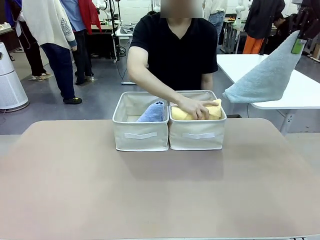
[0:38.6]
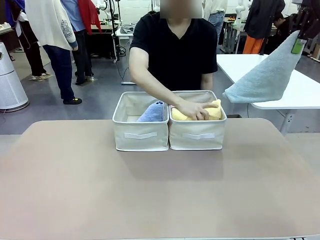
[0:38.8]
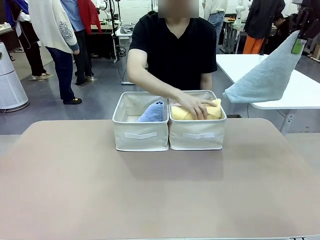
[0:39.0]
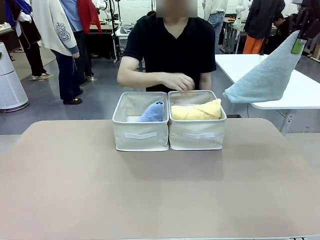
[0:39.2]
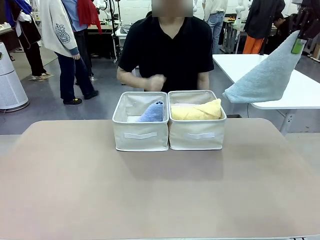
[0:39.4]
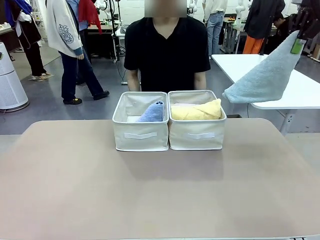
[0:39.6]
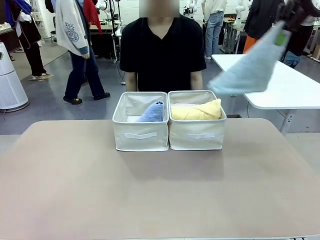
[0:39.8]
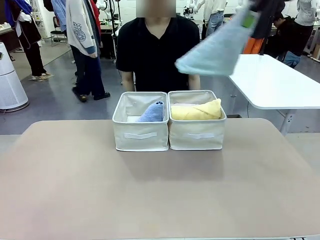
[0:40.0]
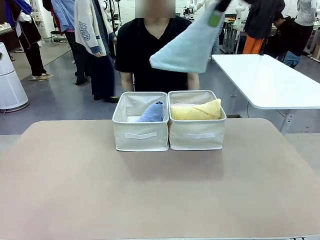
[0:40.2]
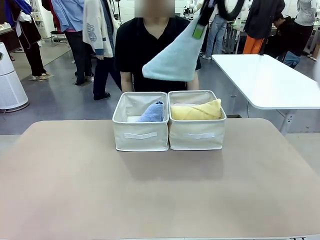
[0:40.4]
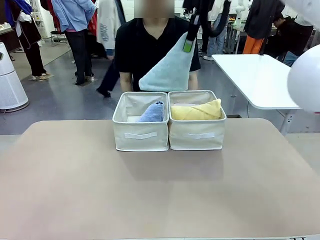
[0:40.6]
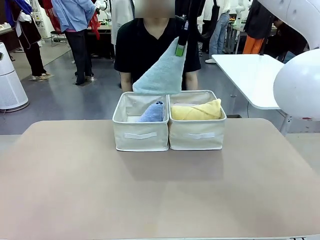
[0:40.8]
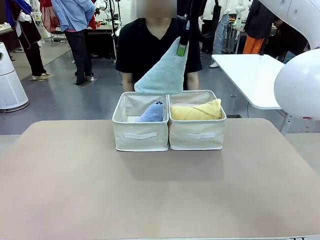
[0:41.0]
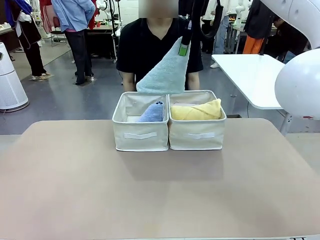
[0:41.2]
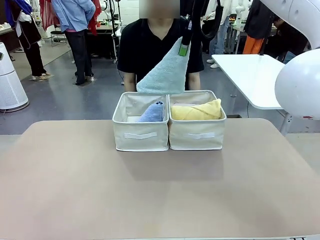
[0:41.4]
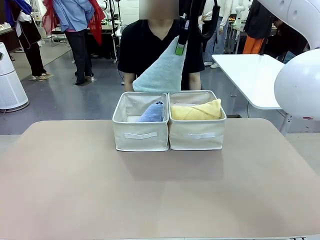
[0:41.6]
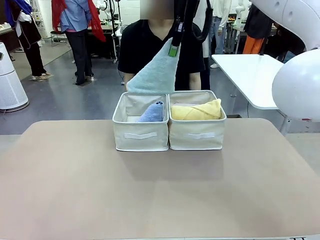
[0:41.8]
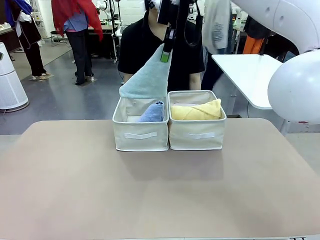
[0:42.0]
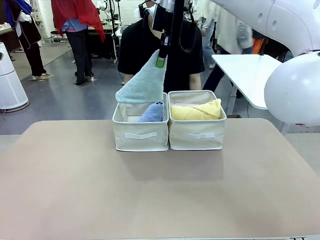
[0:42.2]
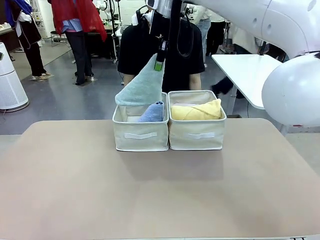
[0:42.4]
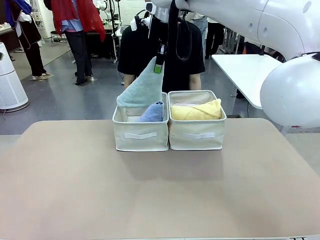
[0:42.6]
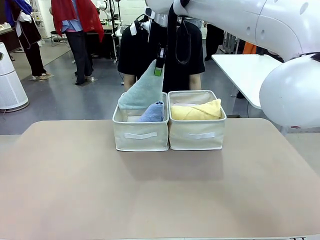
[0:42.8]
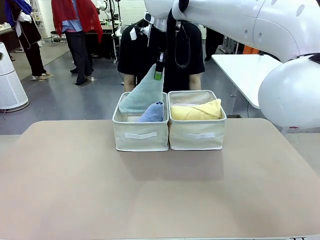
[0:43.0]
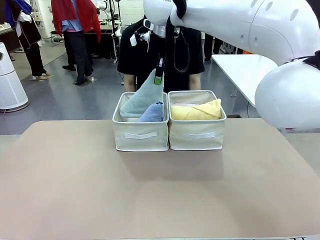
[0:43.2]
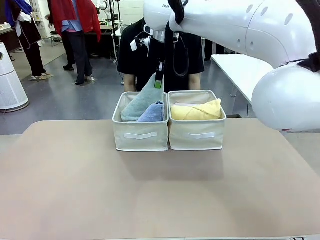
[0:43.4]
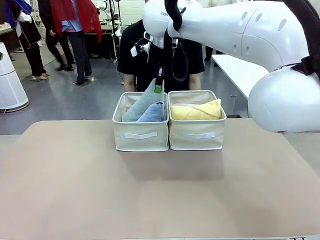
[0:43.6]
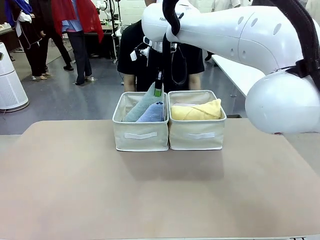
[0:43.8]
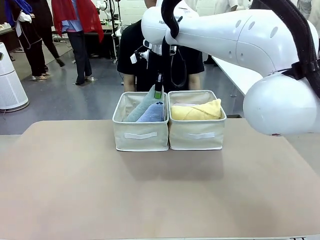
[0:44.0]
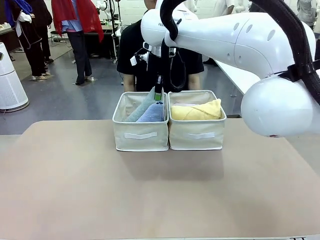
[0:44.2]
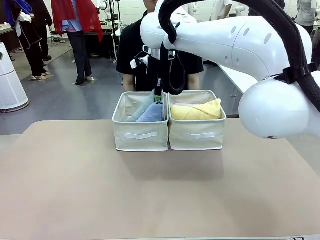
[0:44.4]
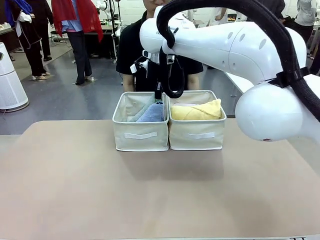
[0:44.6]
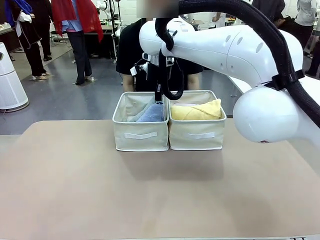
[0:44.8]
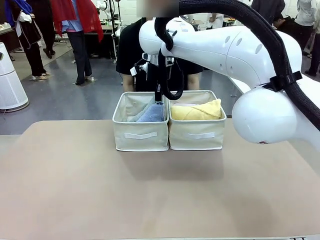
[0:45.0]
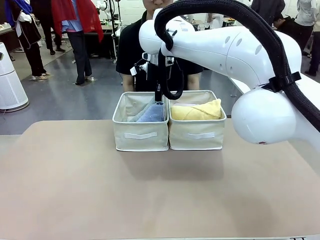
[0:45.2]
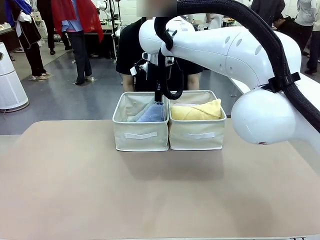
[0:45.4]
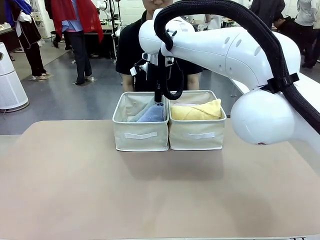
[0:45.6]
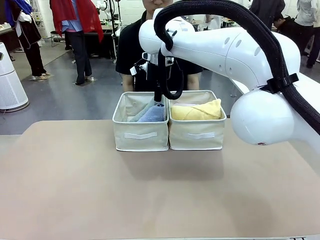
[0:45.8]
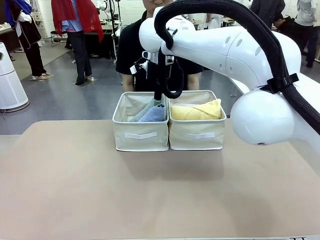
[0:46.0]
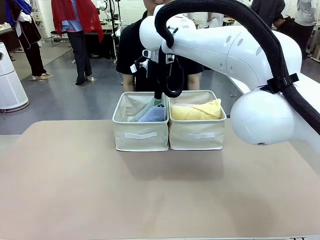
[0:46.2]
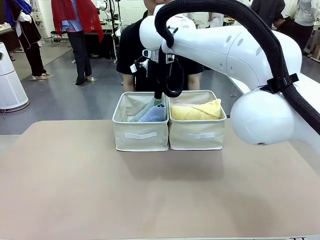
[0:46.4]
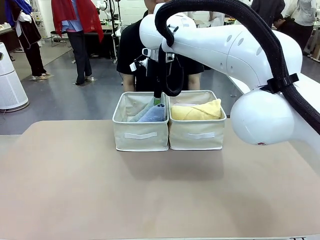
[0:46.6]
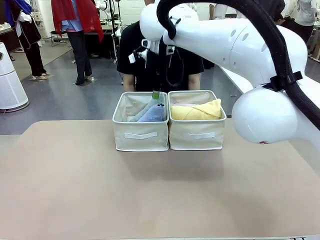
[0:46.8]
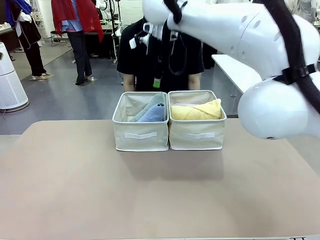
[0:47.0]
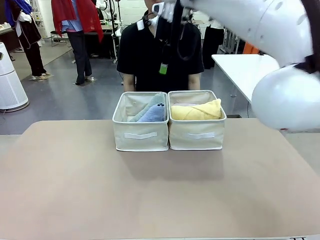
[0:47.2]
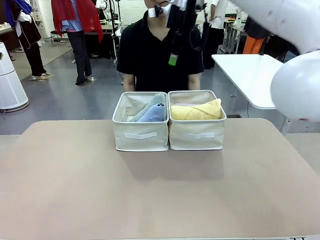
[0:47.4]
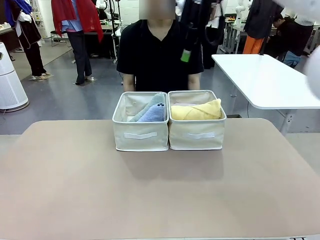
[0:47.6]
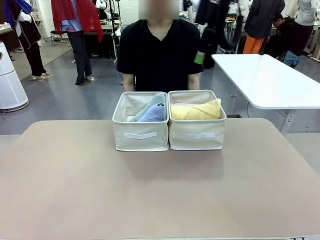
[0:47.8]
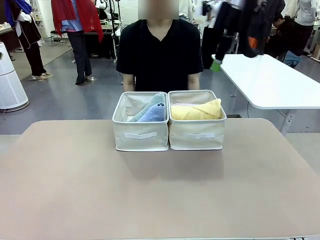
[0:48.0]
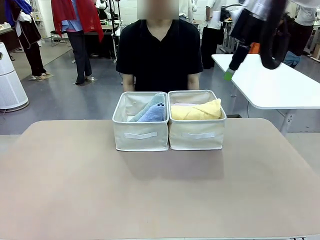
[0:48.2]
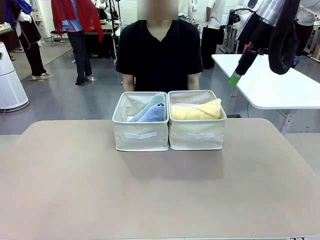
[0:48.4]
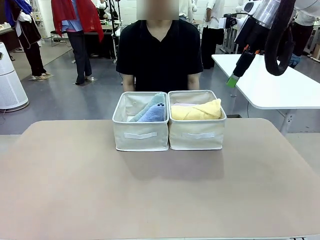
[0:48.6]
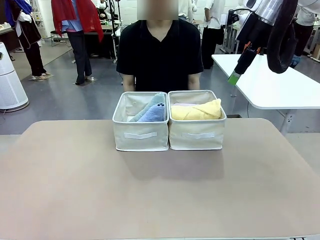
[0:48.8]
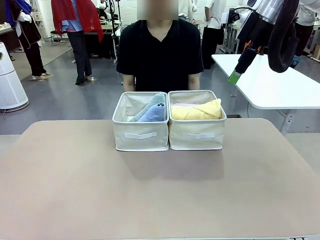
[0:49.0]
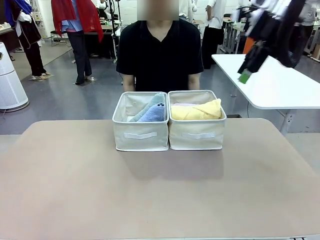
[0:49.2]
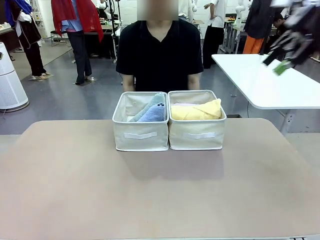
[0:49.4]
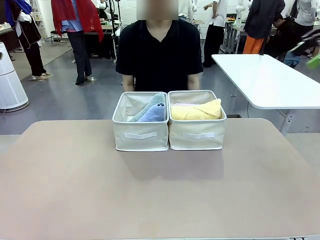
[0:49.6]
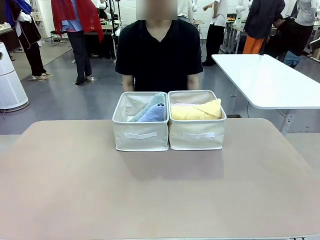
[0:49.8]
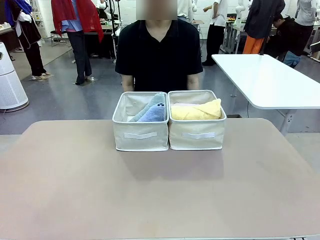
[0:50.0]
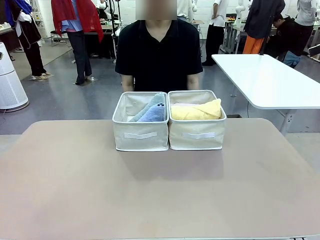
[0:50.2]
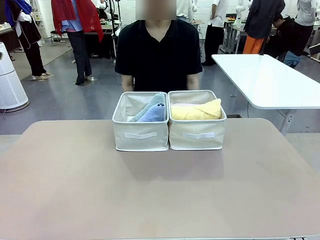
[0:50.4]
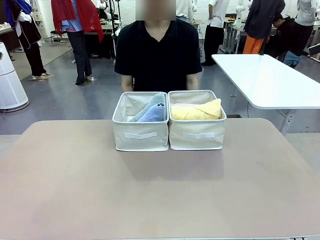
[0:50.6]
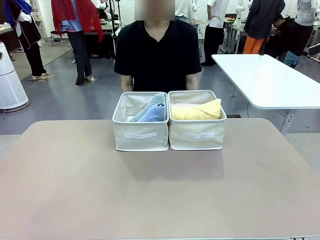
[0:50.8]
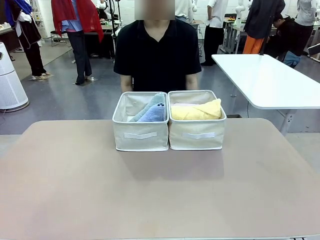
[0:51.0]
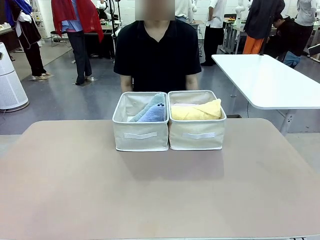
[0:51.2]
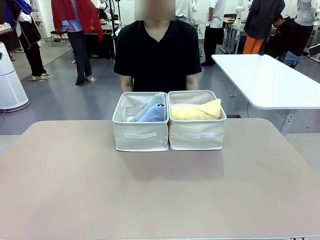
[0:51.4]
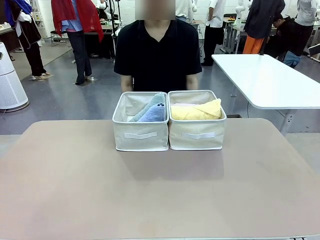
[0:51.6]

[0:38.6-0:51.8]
Task: Sort the towels based on their folding style.
Robot: Pick up another triangle-folded towel from the table and place it in the left Fabric basket.
